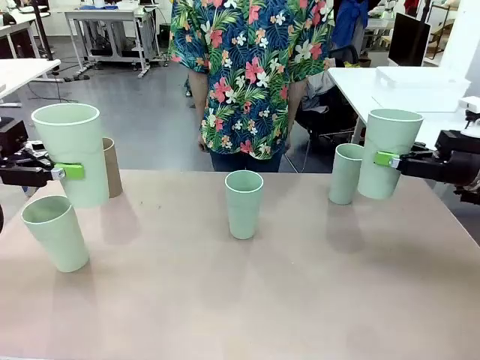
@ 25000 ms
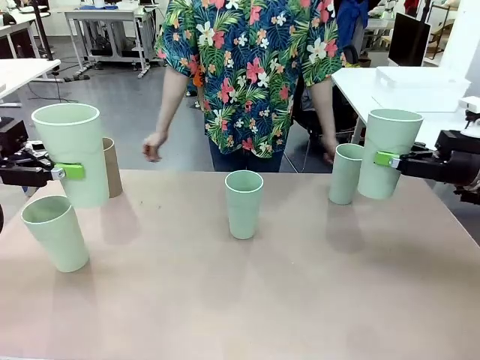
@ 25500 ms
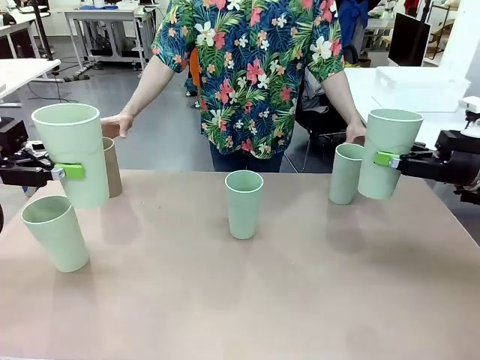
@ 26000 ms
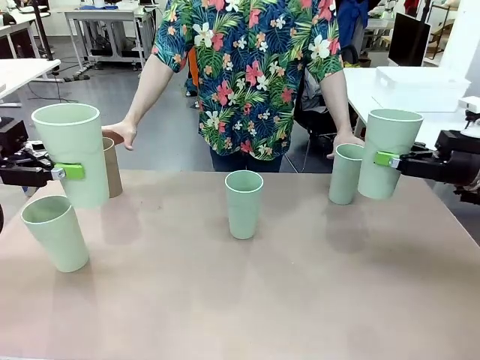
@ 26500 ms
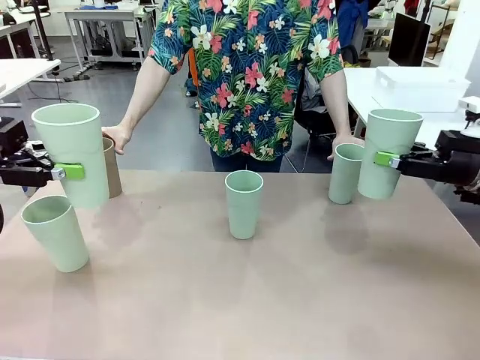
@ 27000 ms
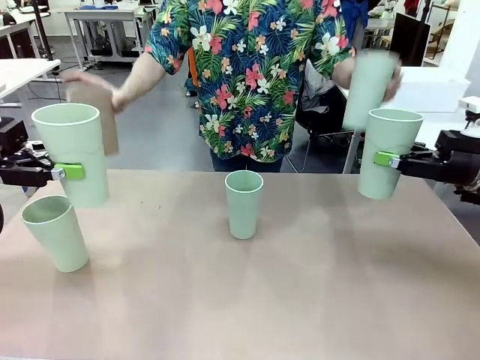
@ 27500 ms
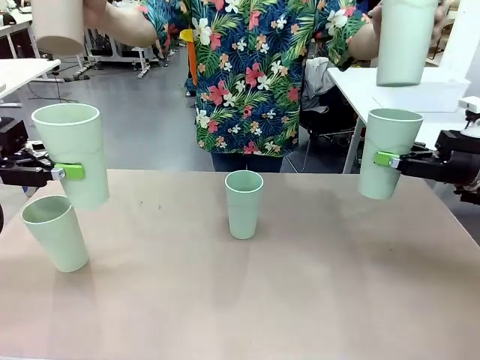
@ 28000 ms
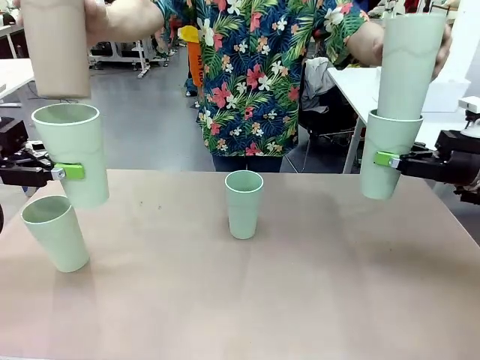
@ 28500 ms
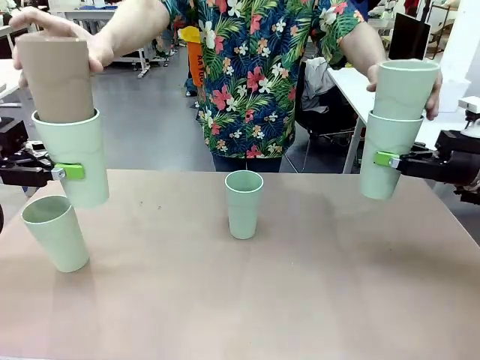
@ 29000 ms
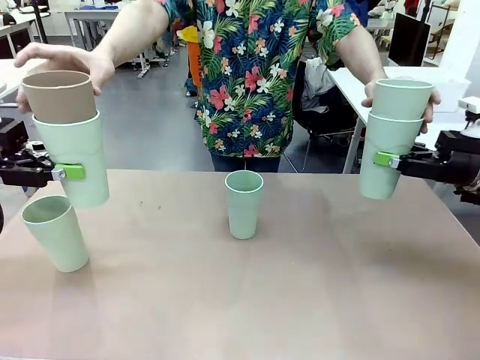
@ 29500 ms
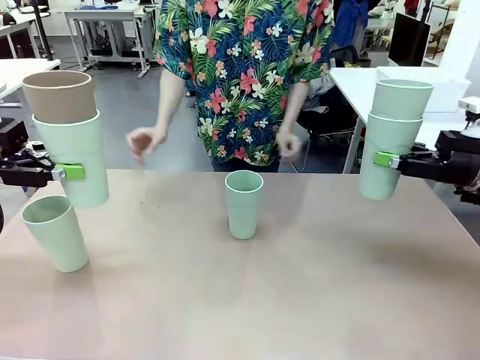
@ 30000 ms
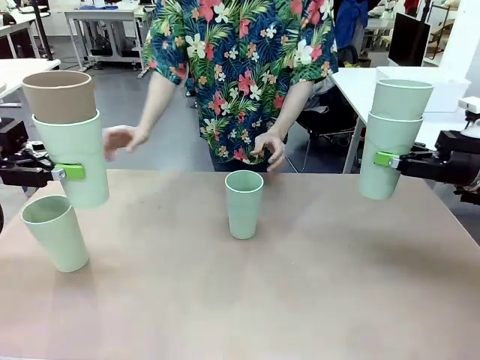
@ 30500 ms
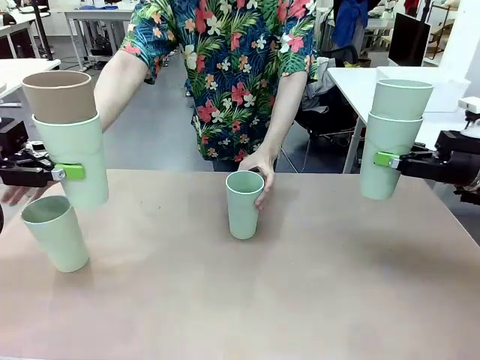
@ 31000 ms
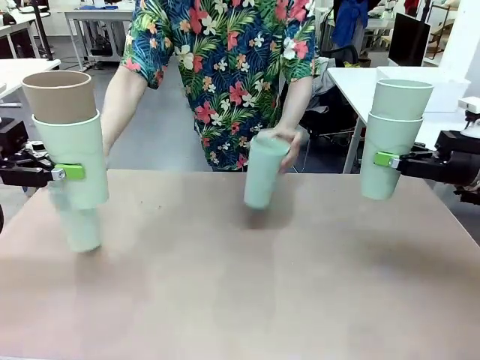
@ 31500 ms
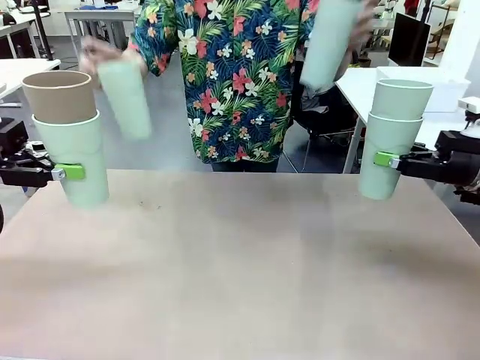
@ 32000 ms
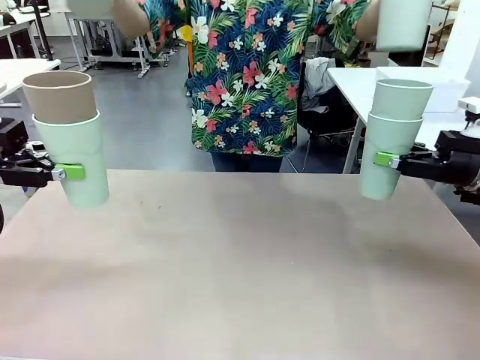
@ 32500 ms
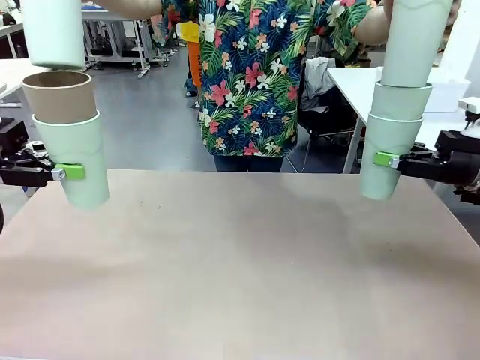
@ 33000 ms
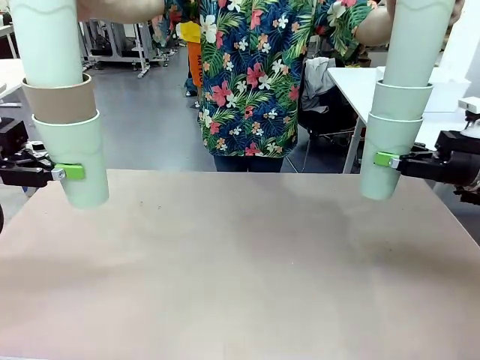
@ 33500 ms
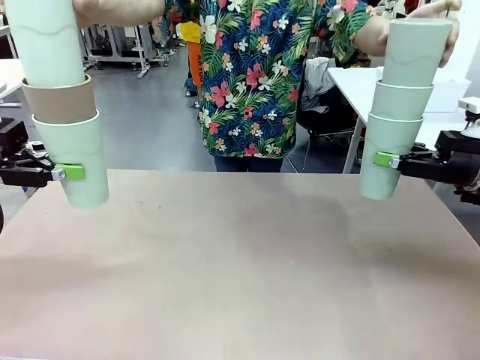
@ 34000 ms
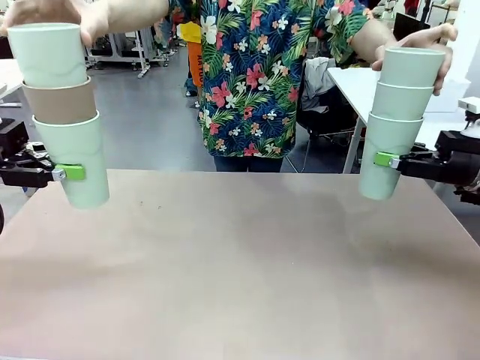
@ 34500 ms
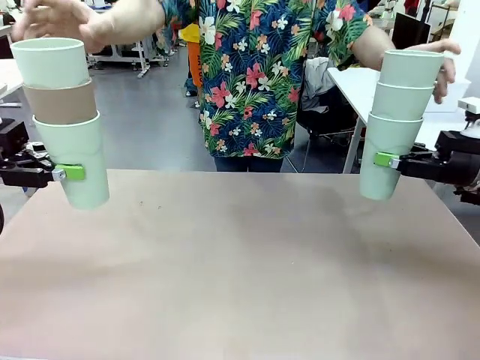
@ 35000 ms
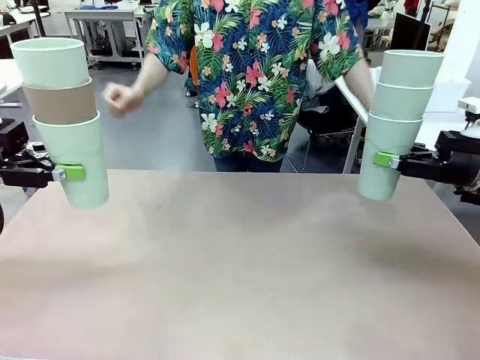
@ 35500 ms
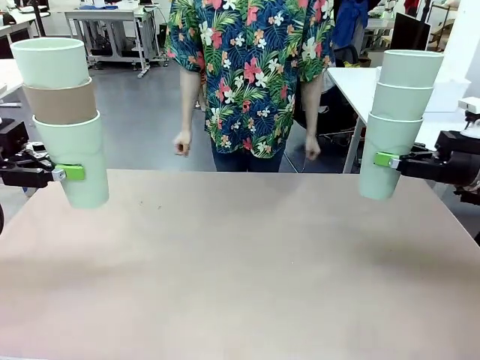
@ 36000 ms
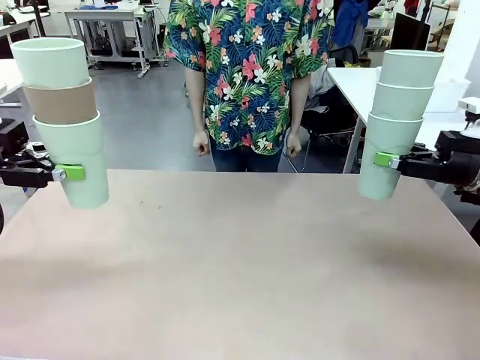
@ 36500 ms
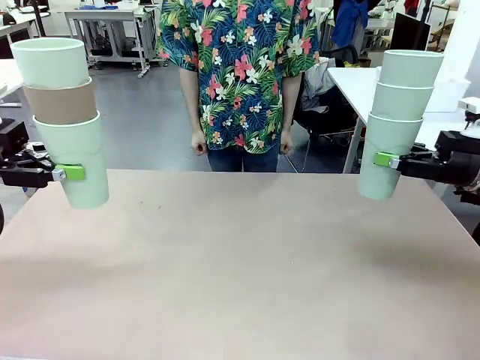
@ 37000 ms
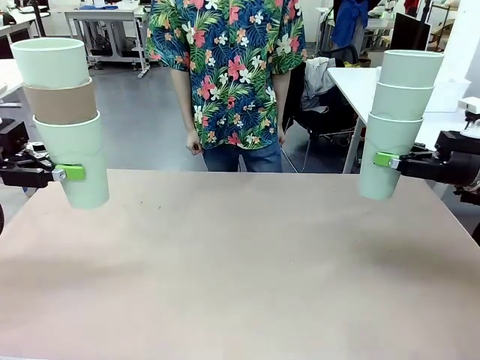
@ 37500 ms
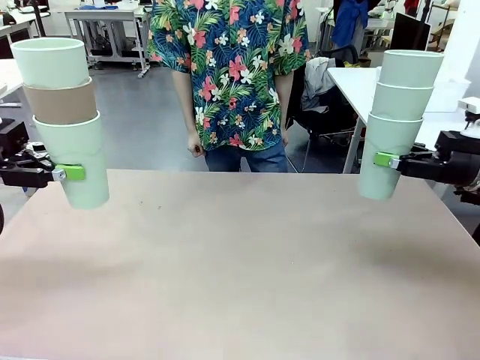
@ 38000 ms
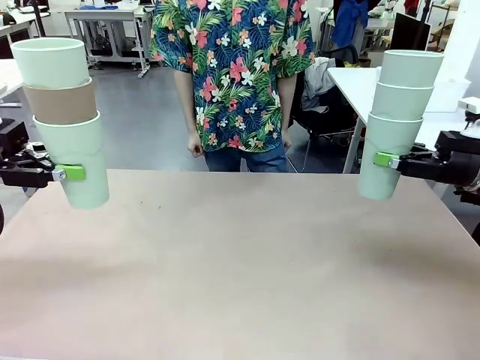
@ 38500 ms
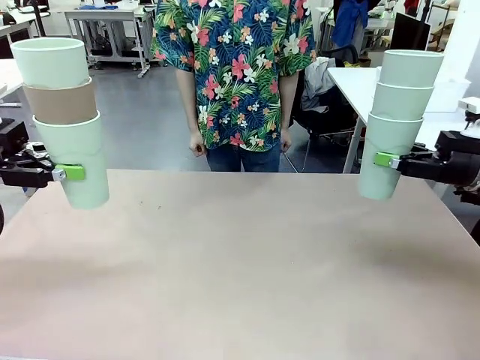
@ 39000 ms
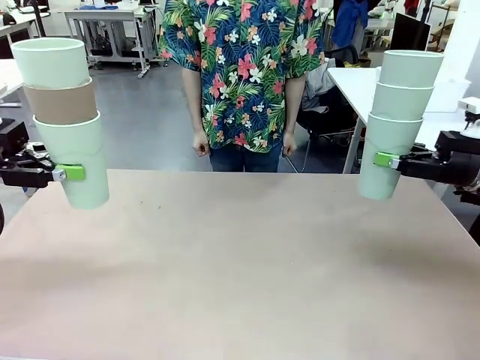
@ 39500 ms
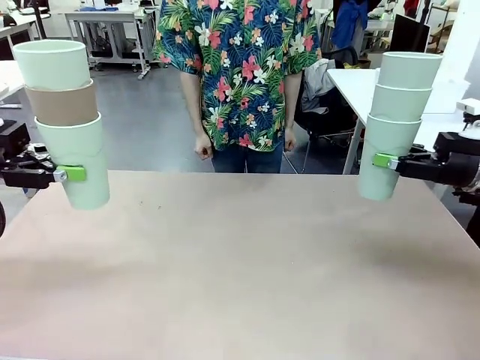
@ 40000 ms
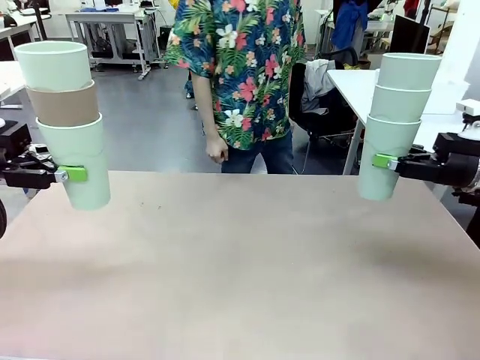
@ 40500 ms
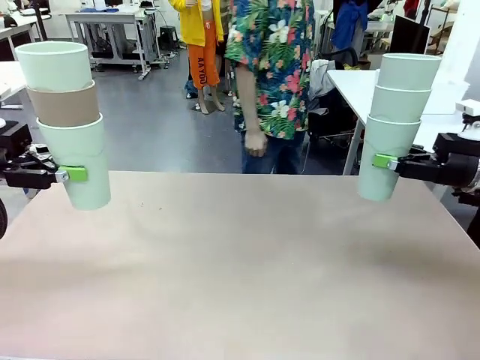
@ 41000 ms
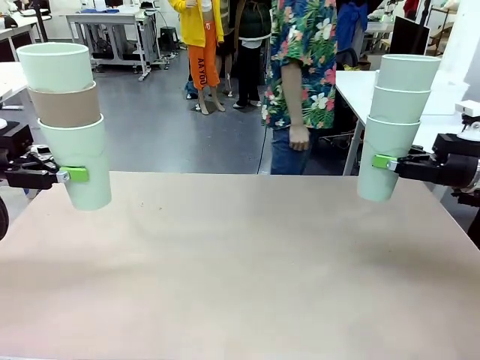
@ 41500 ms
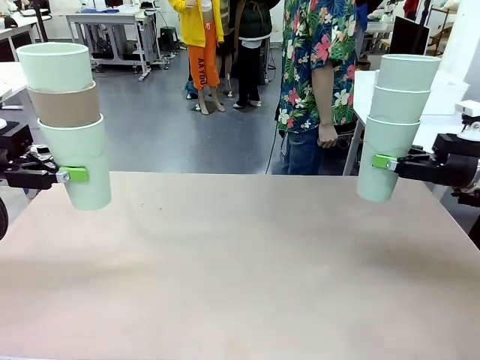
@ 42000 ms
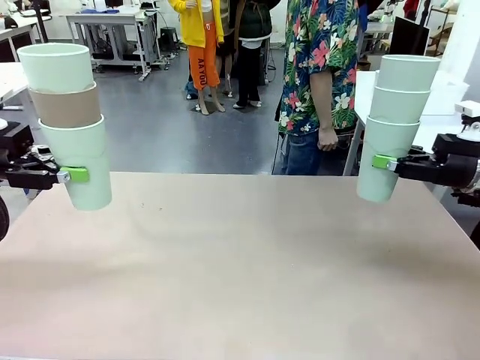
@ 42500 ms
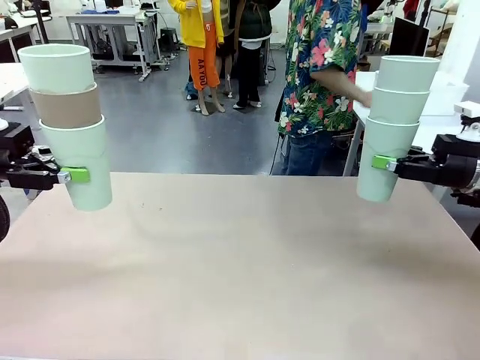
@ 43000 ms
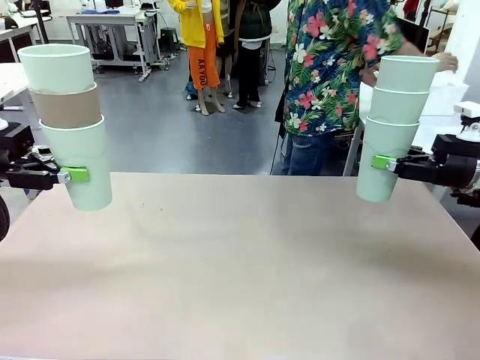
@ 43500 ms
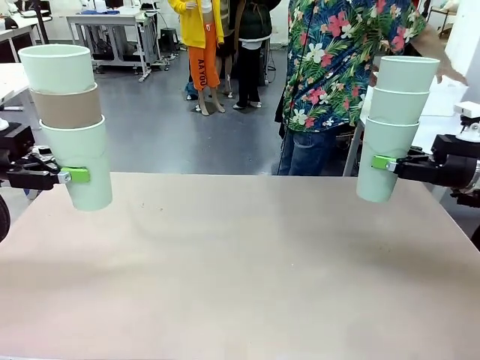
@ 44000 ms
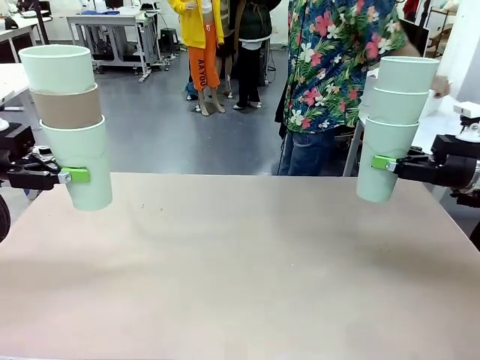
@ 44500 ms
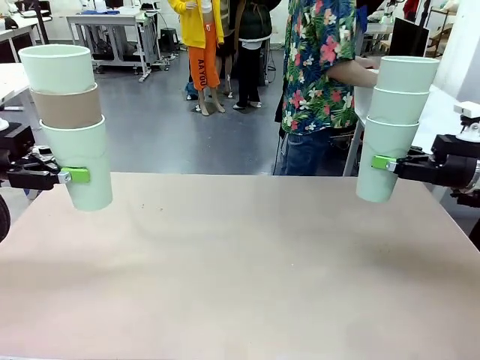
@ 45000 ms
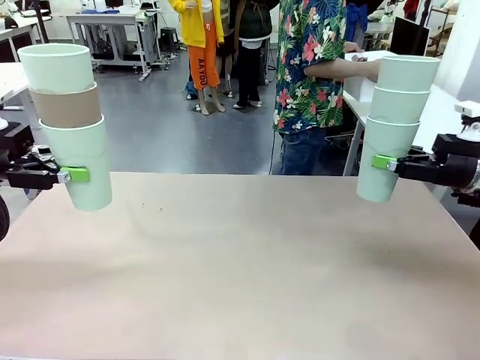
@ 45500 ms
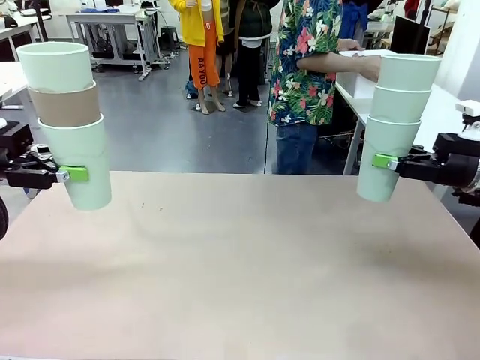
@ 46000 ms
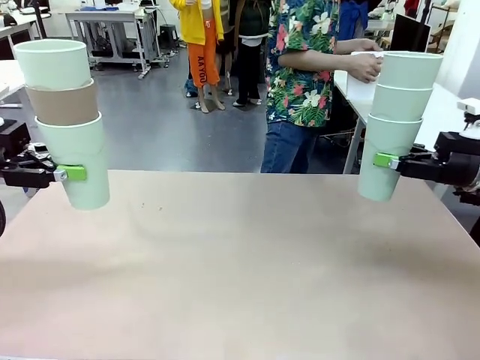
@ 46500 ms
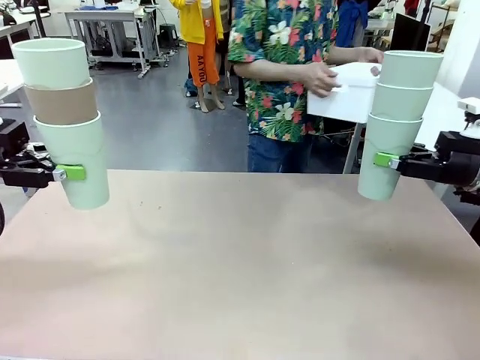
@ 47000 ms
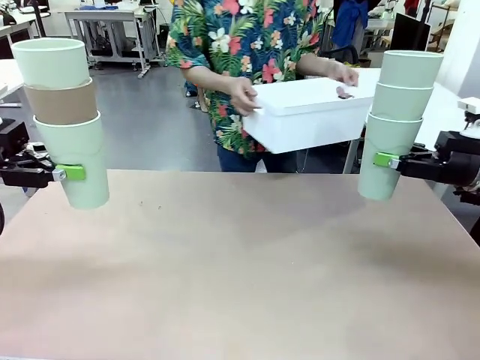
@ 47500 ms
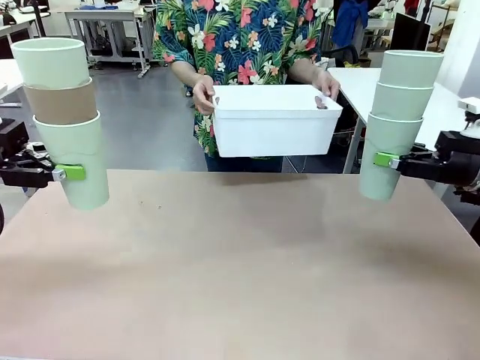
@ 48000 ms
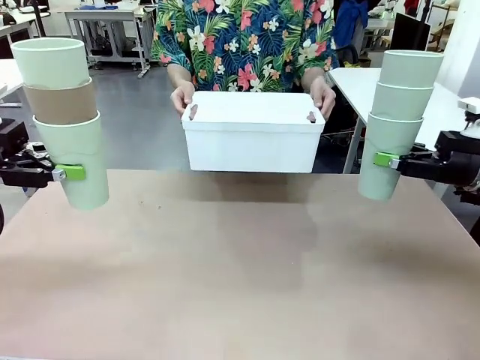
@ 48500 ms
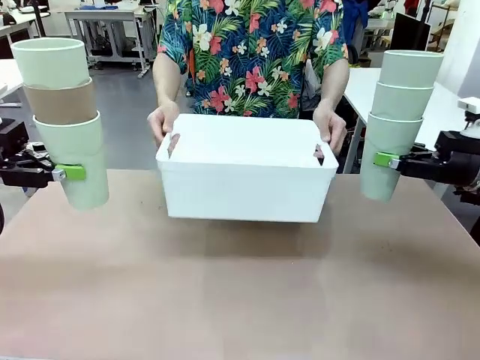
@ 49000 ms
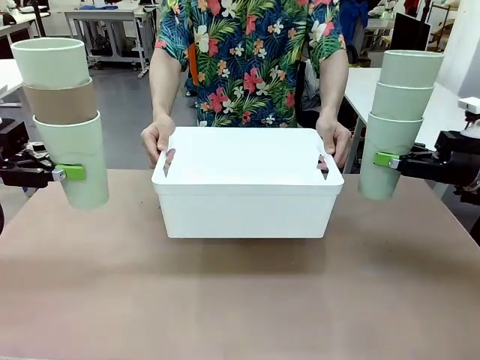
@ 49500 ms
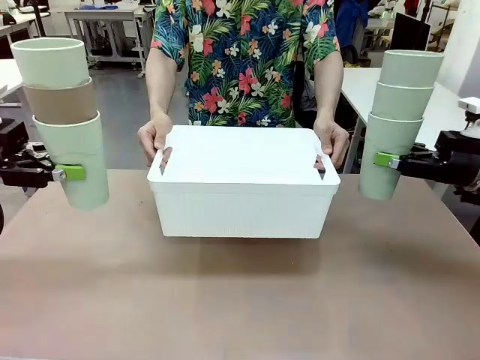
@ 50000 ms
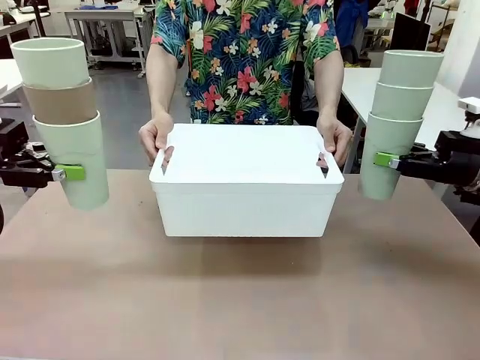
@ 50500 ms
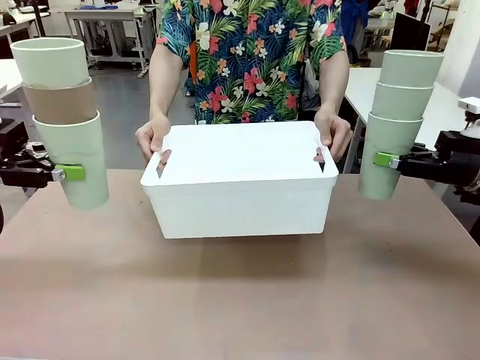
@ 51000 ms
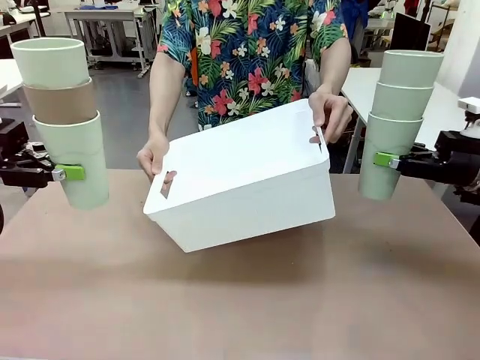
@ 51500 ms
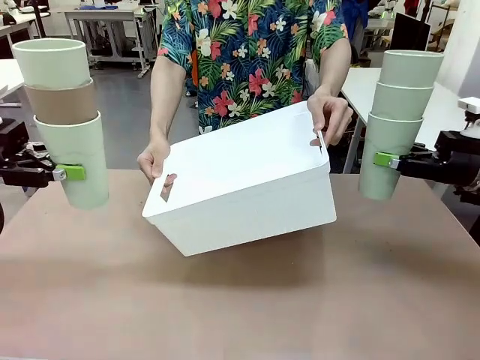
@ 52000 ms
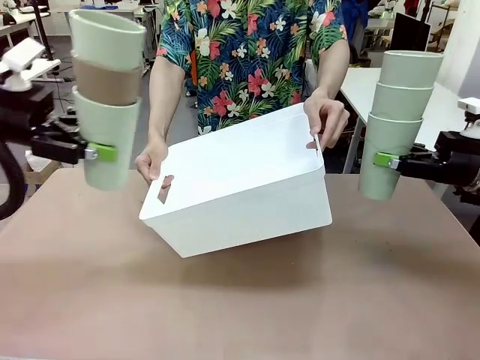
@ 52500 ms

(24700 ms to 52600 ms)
Task: Stack the cups and store them in the basket.
Robot: Place the stack of Reusable plastic cups into the Pantry Basket.
Person: Pick up the basket from the Human Table, bring it to the front of the robot, and present it.
